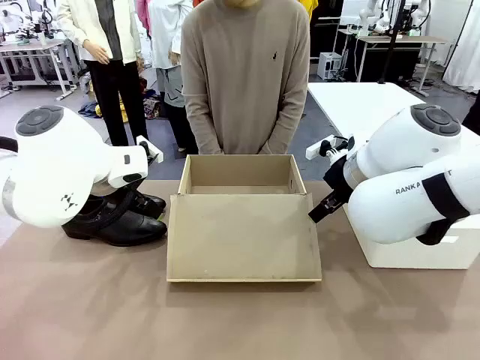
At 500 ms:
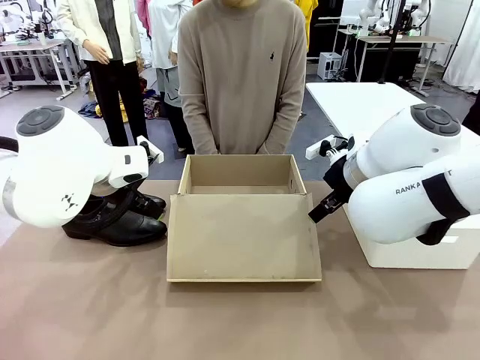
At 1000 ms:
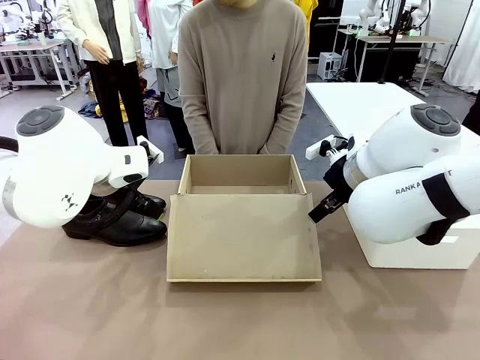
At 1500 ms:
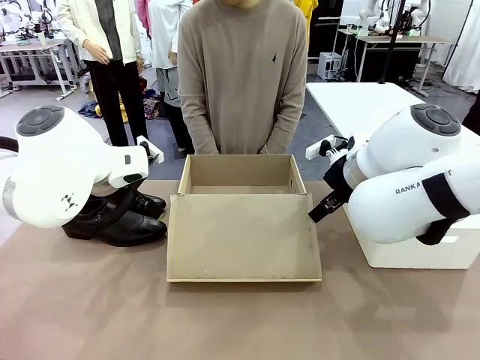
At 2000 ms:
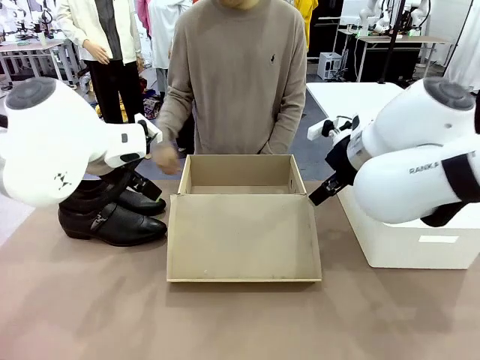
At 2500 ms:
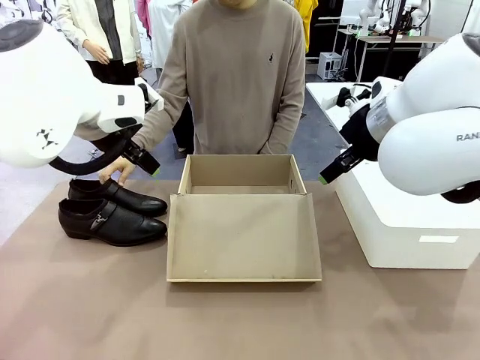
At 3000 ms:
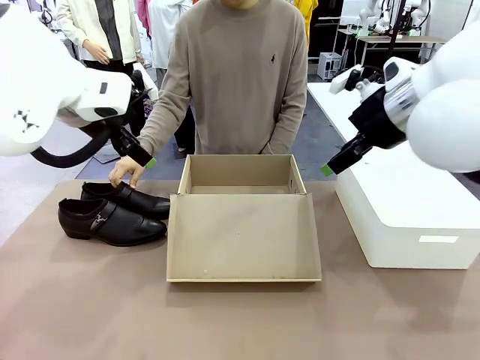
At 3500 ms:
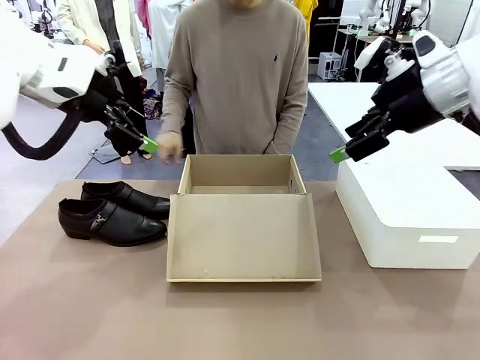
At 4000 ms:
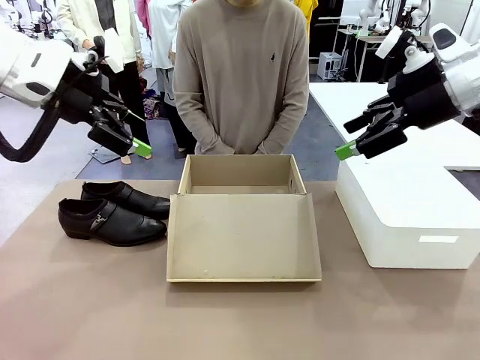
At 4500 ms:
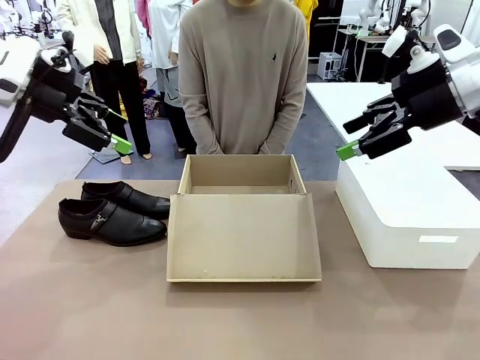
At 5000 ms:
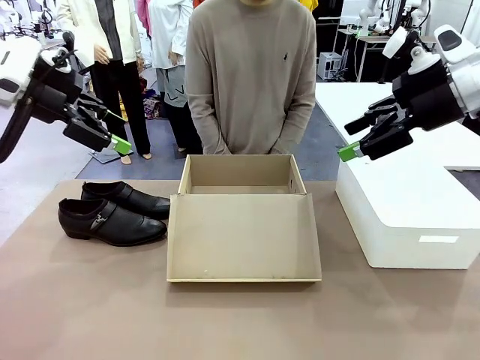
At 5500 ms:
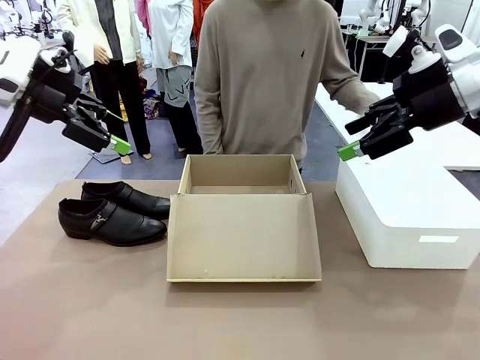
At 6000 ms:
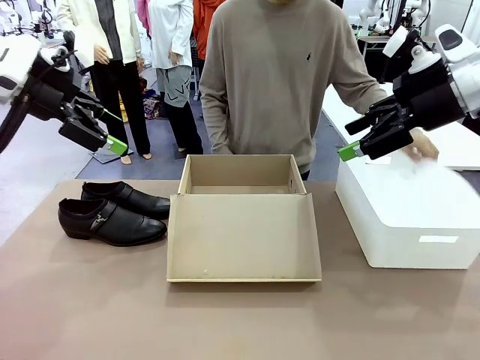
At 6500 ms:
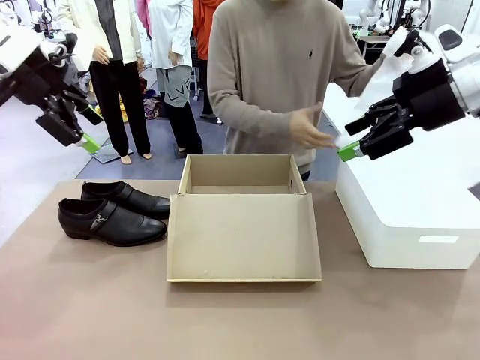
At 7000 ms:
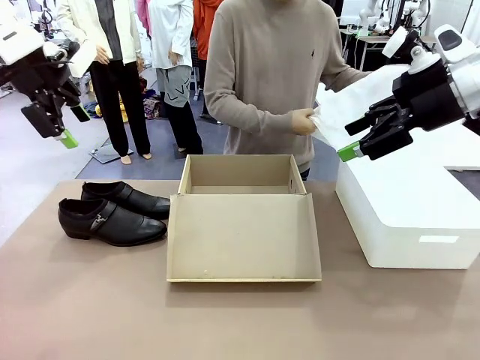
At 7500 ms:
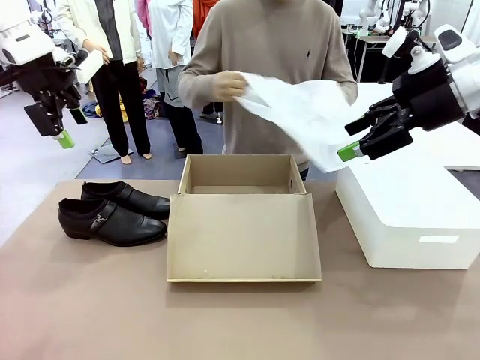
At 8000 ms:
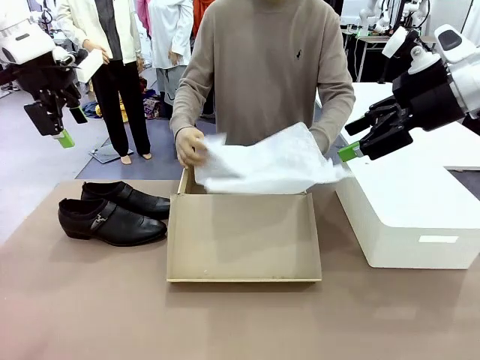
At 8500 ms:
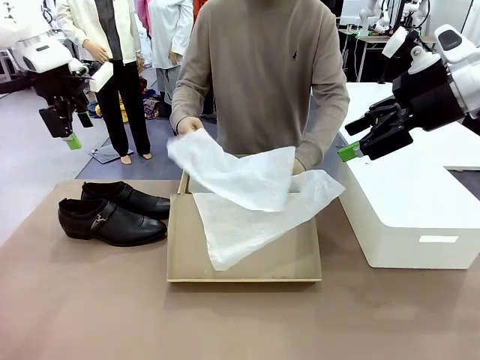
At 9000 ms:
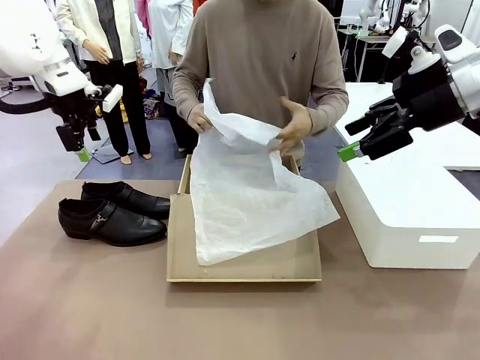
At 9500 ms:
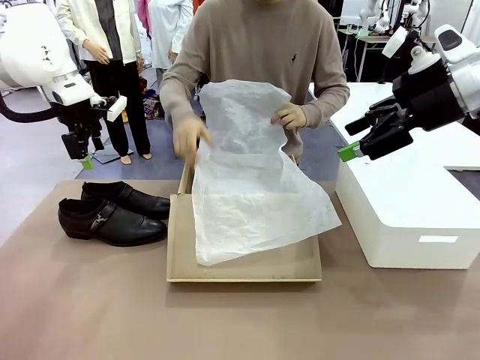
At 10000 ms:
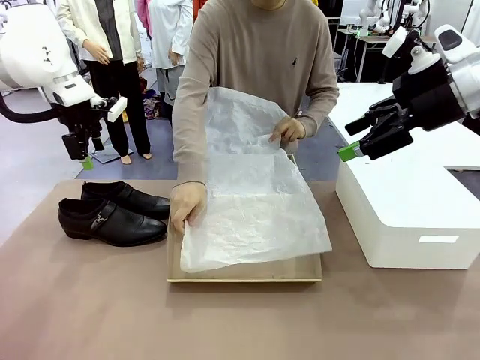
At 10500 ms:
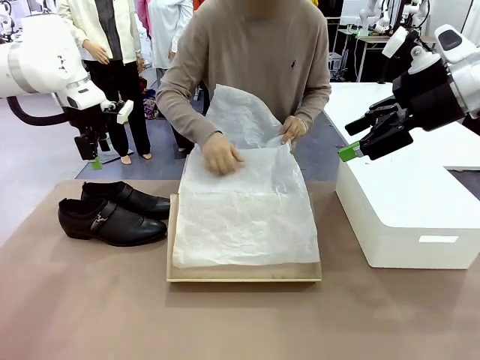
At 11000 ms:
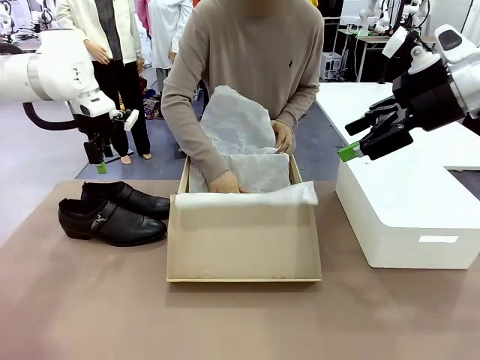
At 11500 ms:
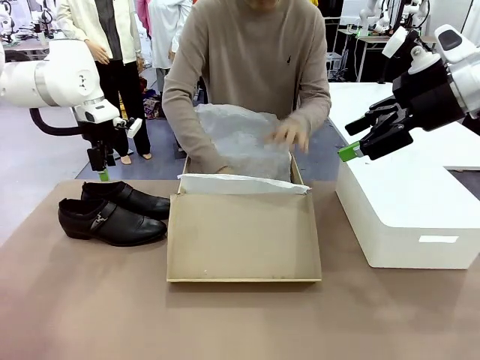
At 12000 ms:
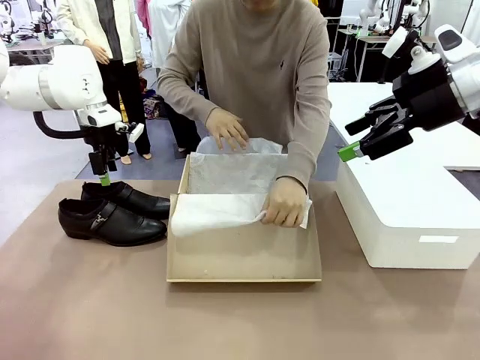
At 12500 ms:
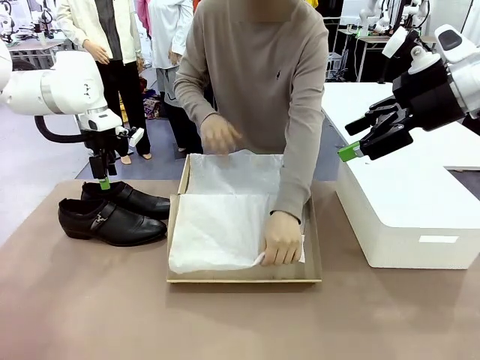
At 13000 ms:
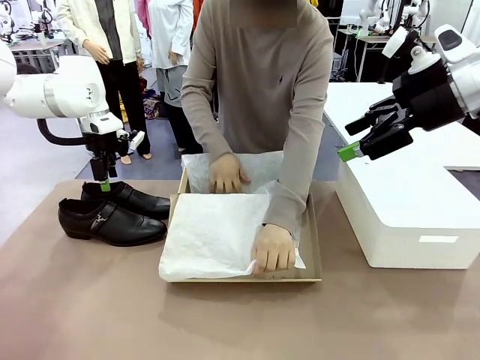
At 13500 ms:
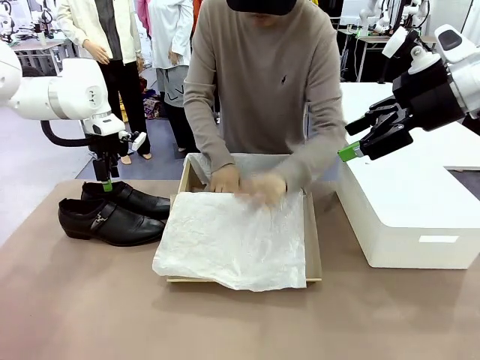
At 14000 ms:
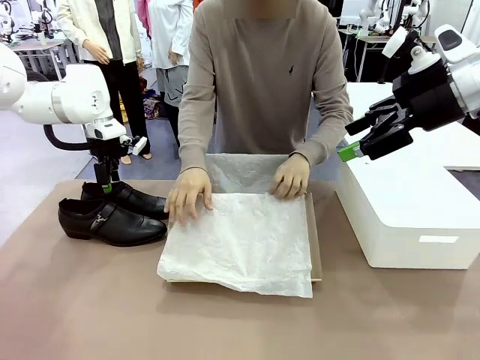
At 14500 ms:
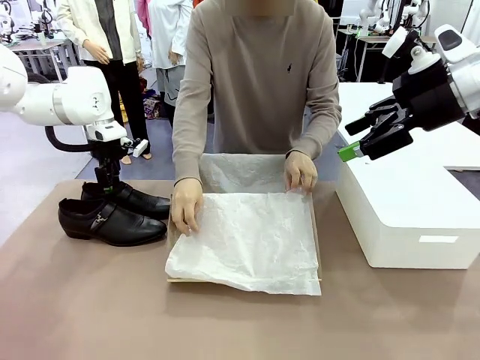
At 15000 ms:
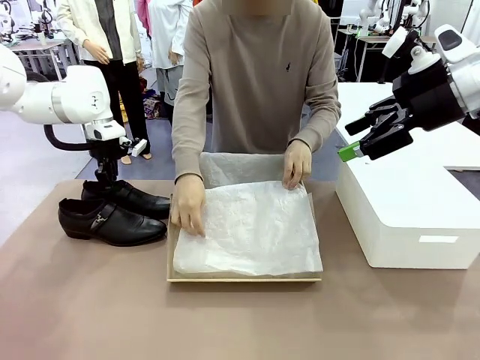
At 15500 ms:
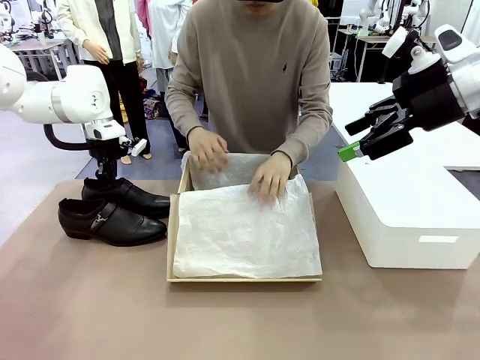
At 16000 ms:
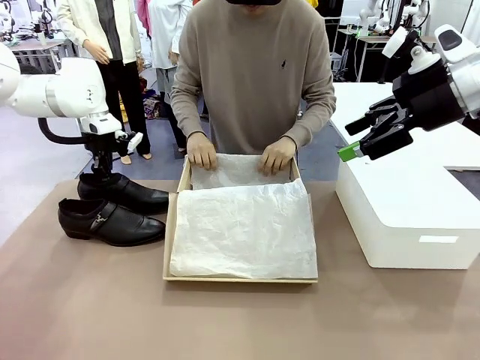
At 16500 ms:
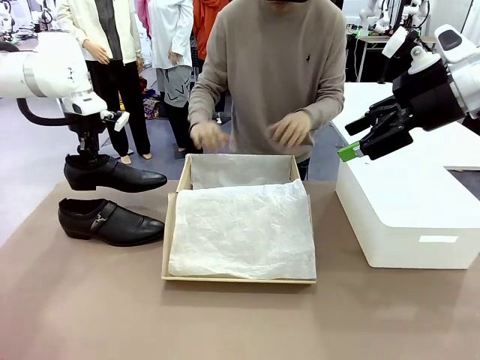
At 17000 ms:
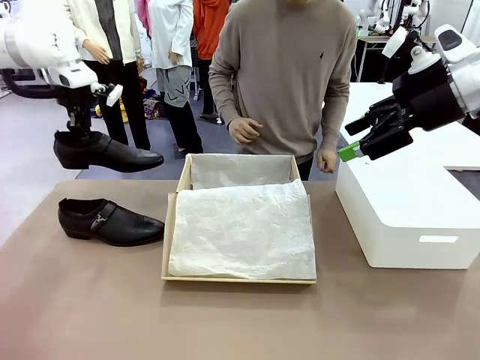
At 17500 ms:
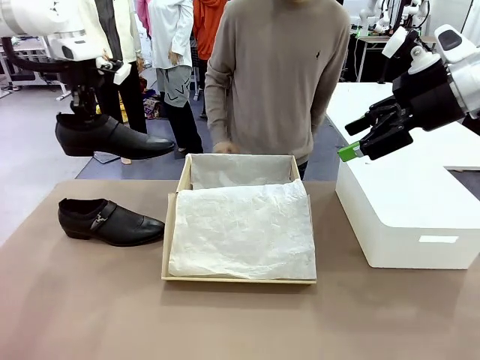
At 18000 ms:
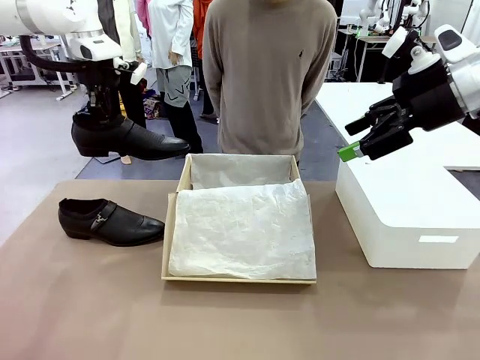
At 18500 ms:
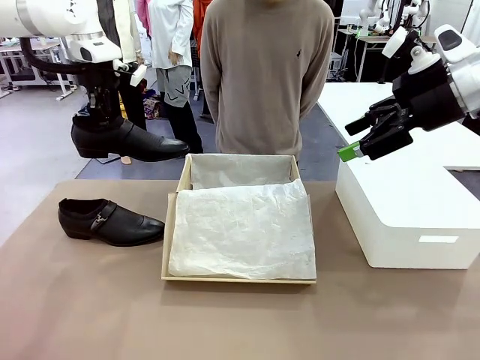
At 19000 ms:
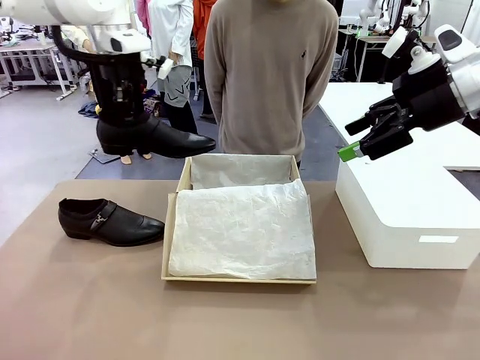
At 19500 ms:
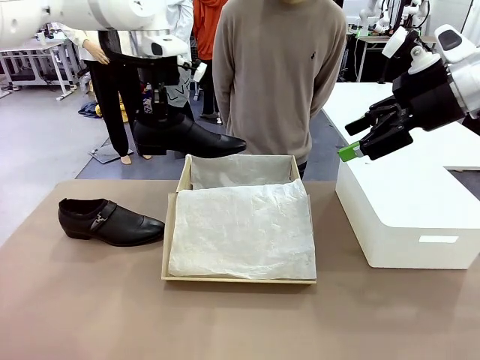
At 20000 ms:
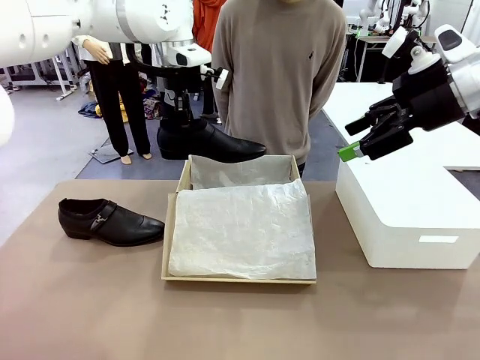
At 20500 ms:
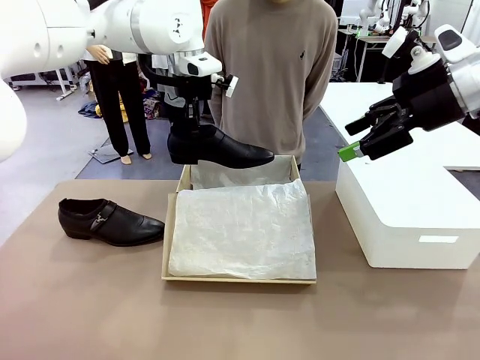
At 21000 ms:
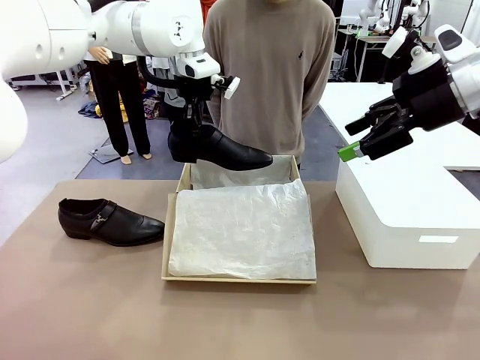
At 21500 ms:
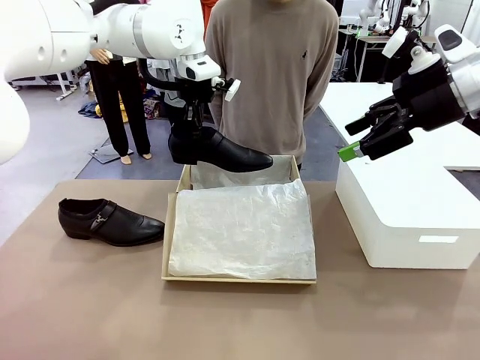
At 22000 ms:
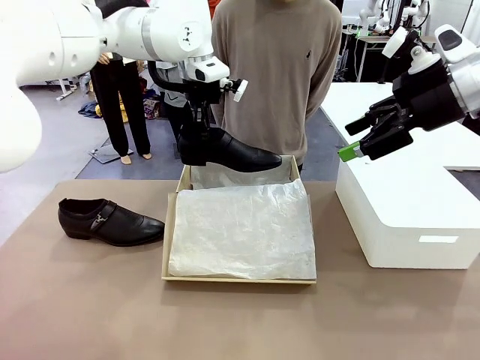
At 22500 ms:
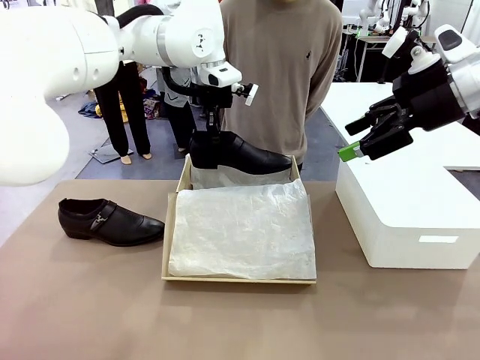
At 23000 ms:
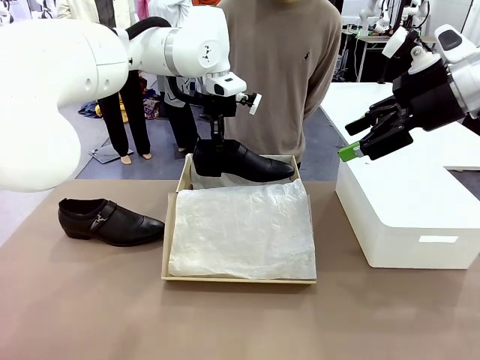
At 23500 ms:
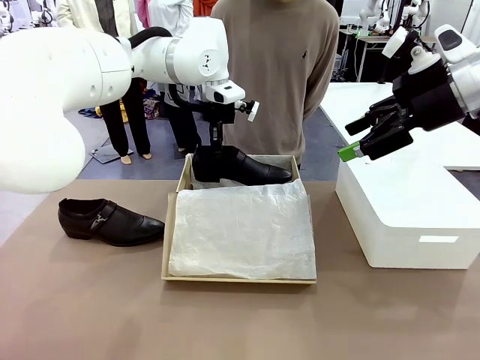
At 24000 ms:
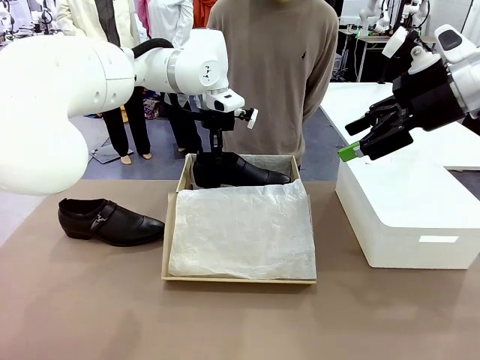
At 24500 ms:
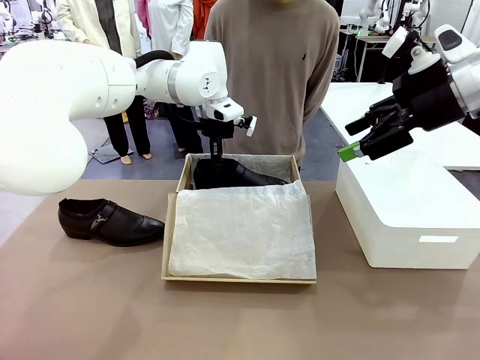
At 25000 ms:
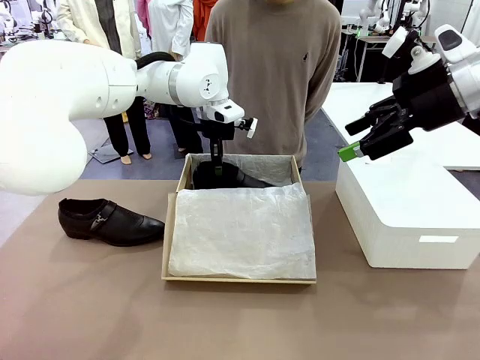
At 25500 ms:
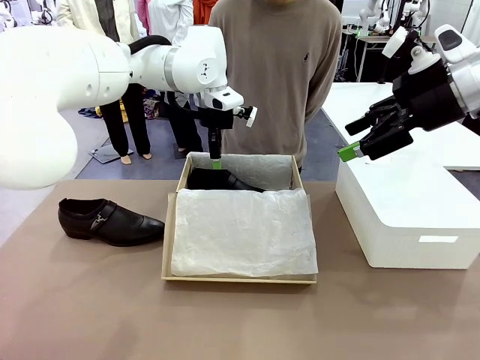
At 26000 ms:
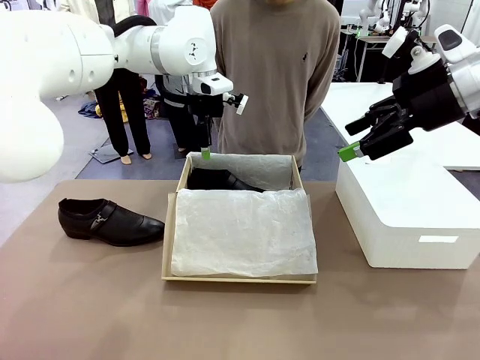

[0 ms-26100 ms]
Task: Pack the shoes into the box.
Robot: Place one shoe of the Shoes into the Shoes Box.
Person: Spread Shoes Wrapping Paper and place inside the Shoes Box.
